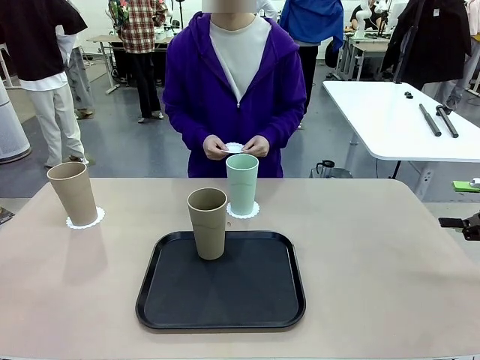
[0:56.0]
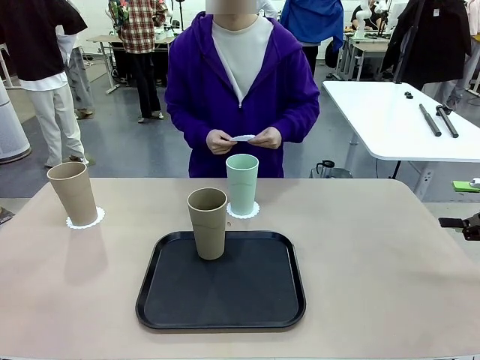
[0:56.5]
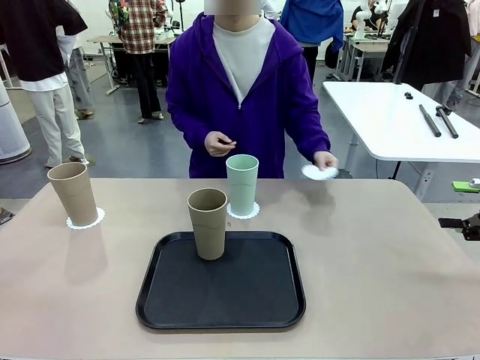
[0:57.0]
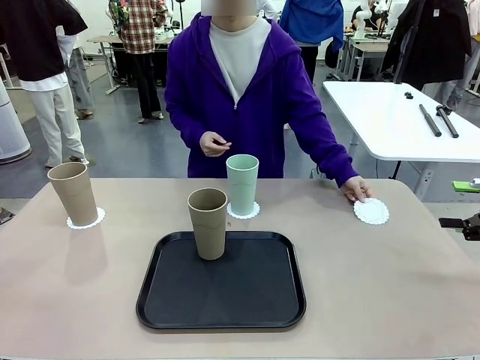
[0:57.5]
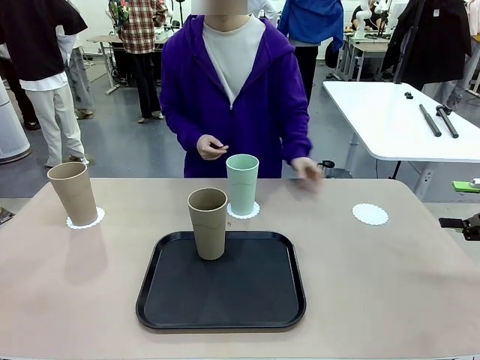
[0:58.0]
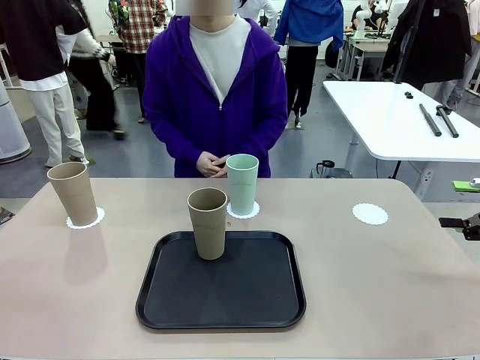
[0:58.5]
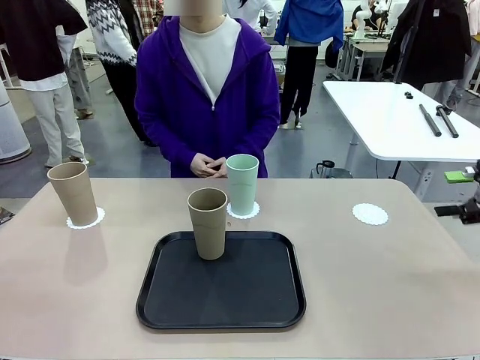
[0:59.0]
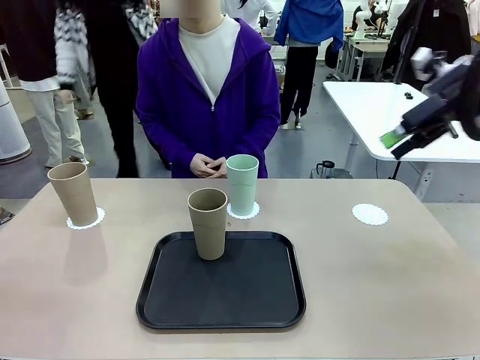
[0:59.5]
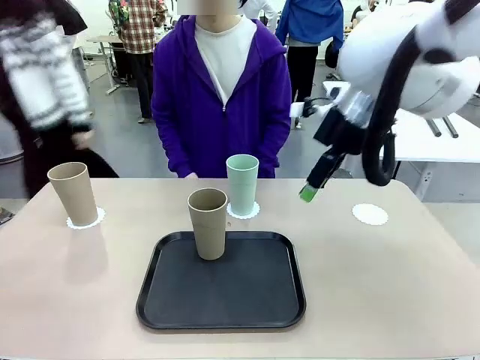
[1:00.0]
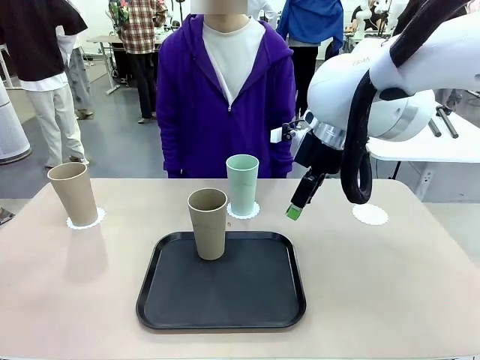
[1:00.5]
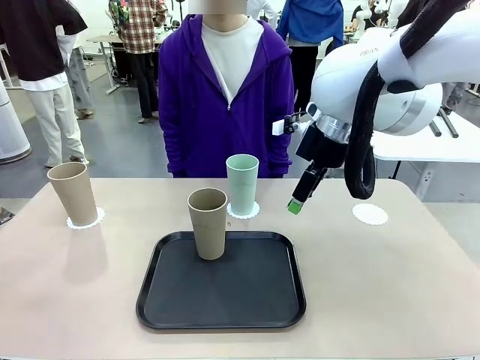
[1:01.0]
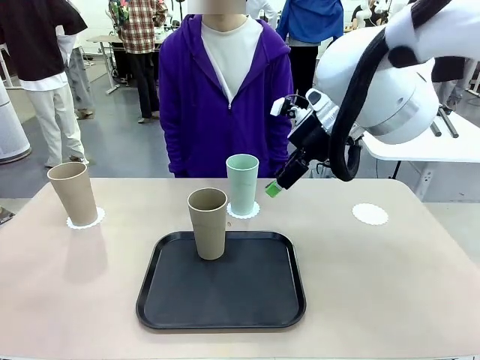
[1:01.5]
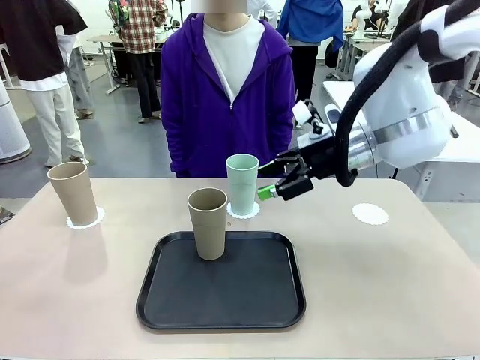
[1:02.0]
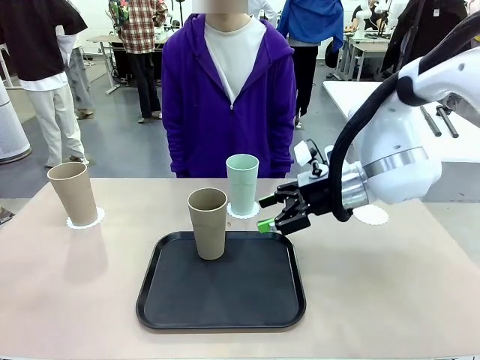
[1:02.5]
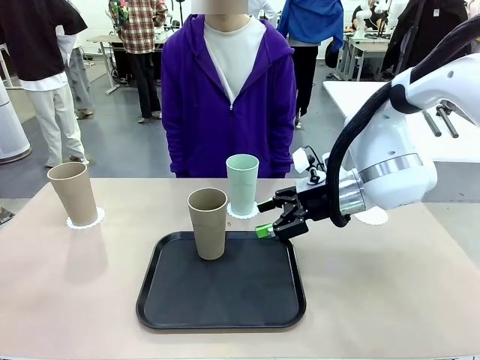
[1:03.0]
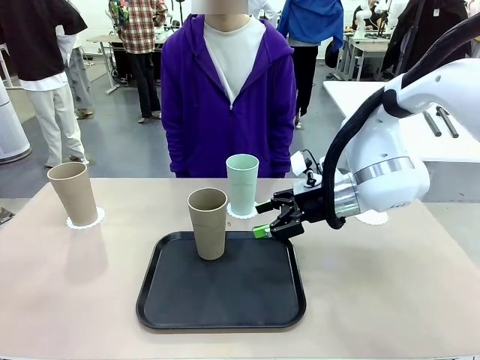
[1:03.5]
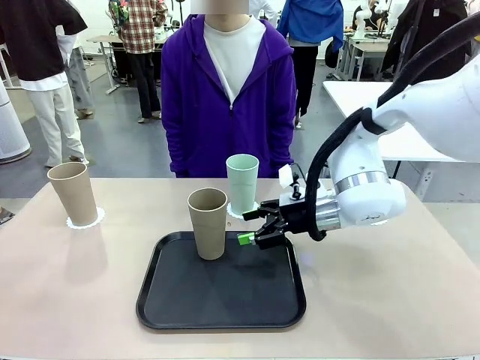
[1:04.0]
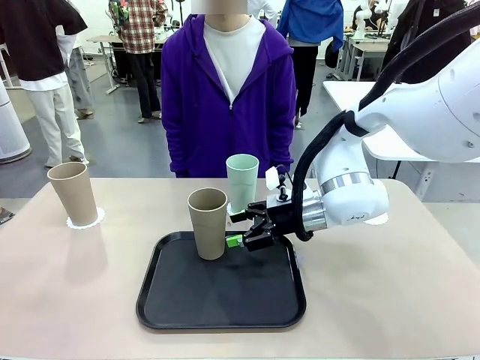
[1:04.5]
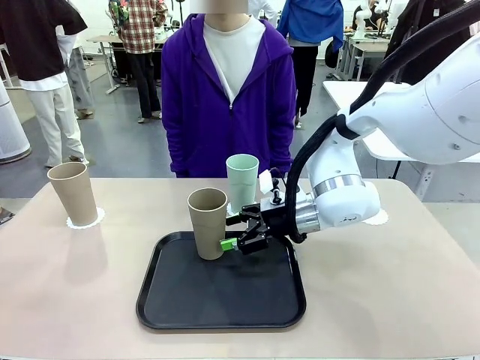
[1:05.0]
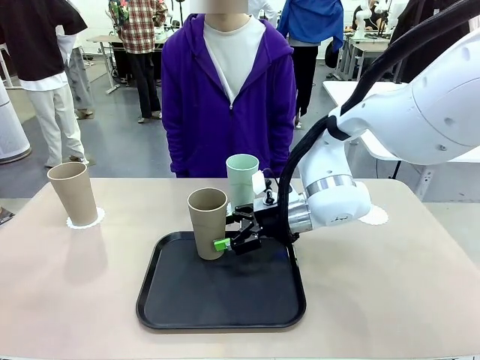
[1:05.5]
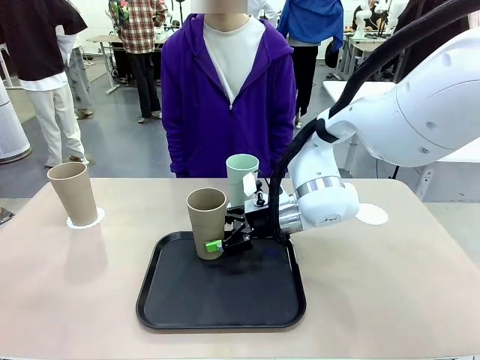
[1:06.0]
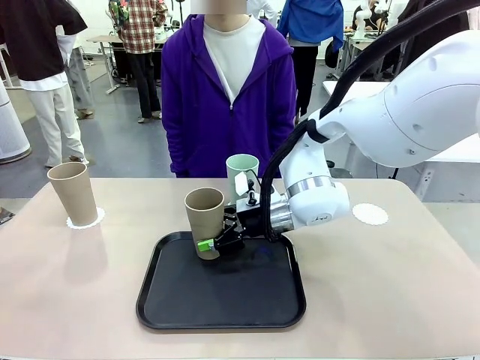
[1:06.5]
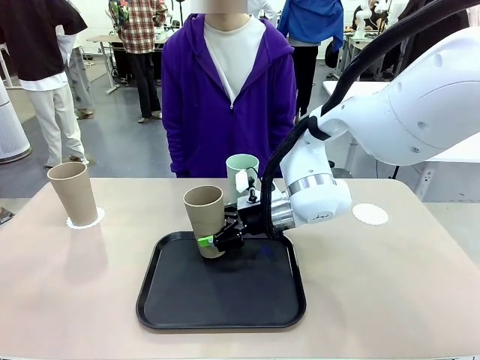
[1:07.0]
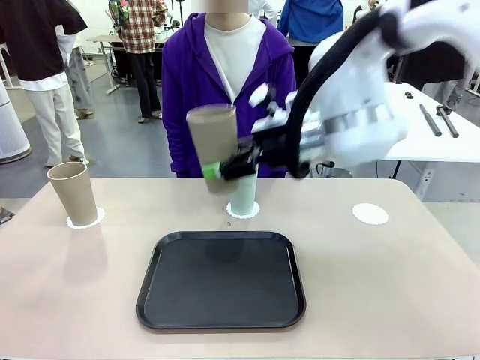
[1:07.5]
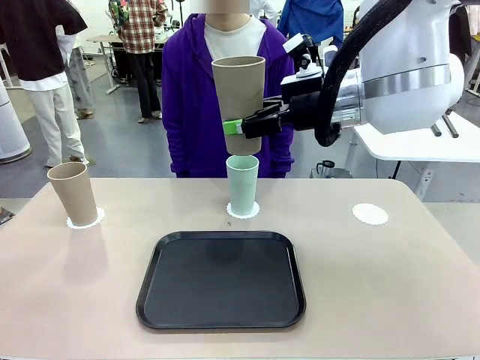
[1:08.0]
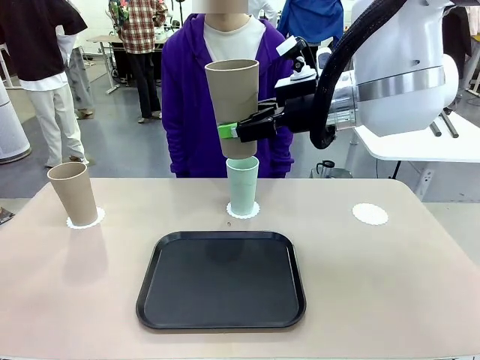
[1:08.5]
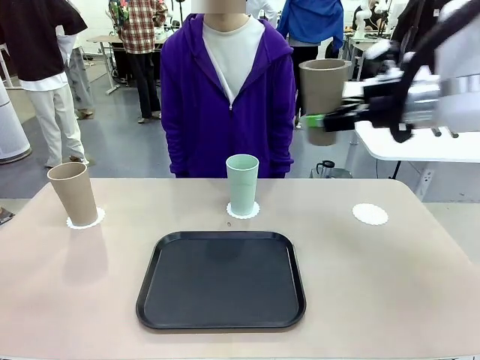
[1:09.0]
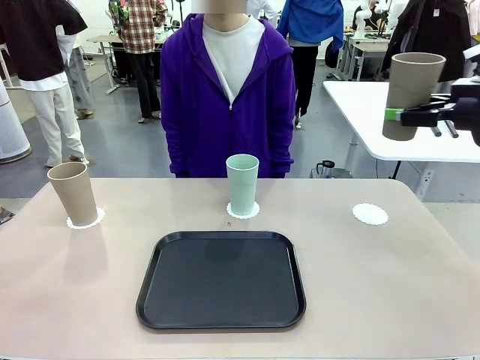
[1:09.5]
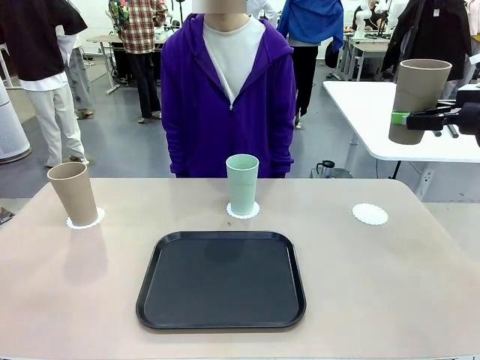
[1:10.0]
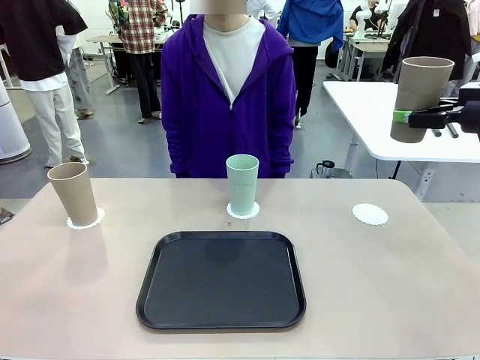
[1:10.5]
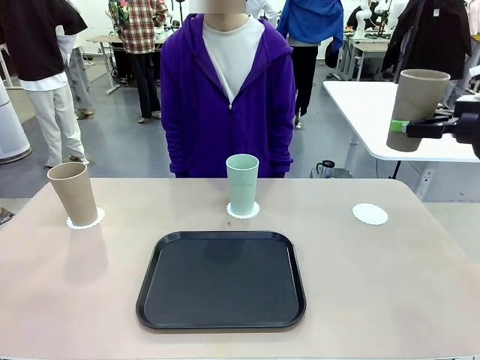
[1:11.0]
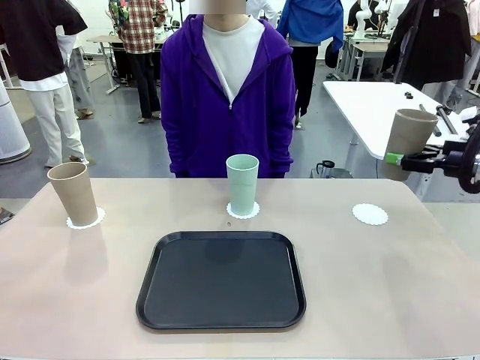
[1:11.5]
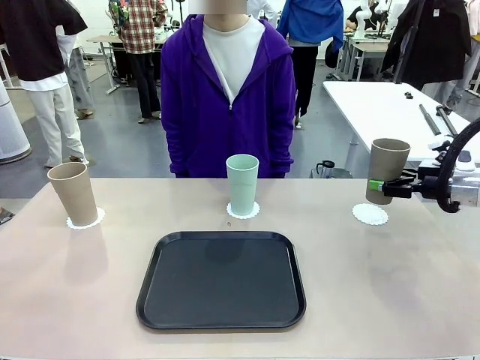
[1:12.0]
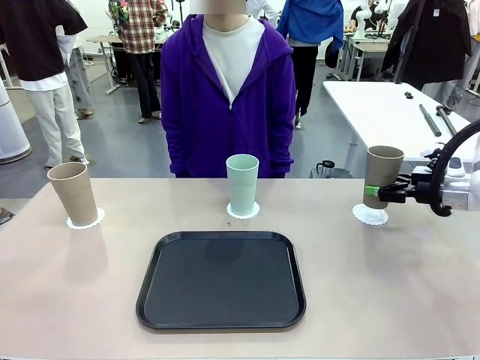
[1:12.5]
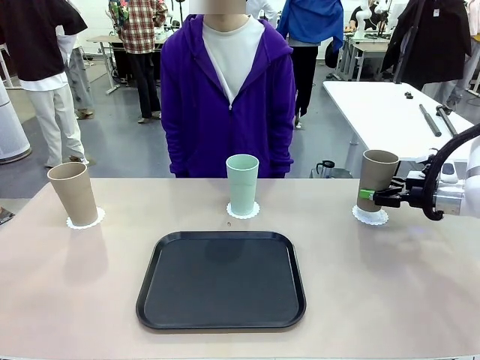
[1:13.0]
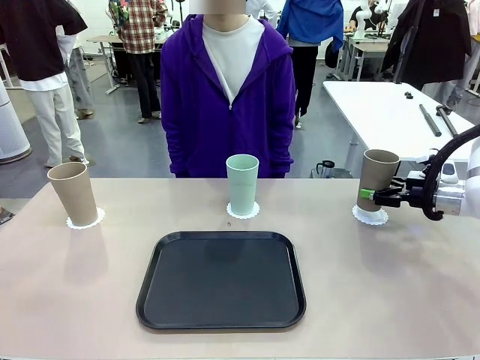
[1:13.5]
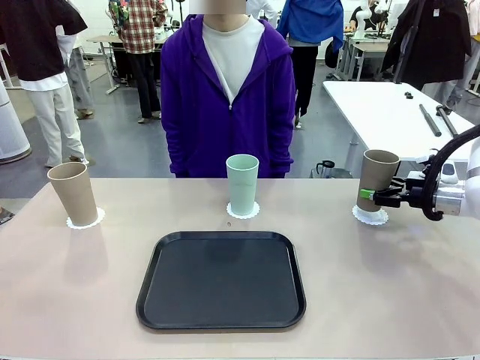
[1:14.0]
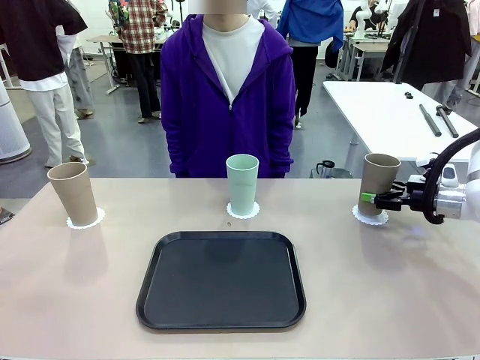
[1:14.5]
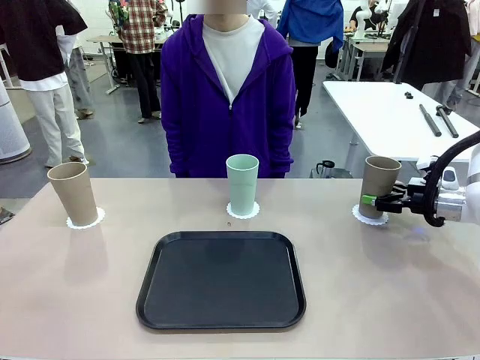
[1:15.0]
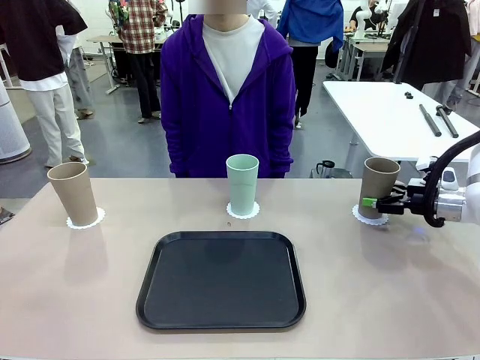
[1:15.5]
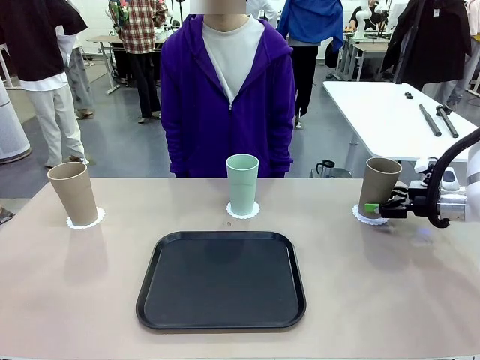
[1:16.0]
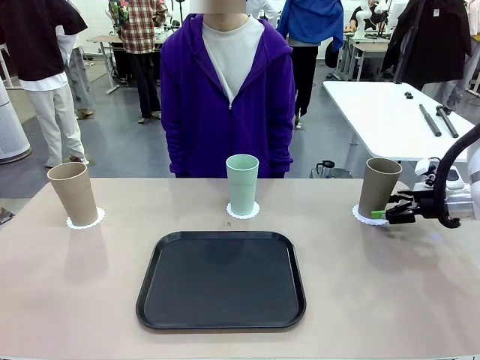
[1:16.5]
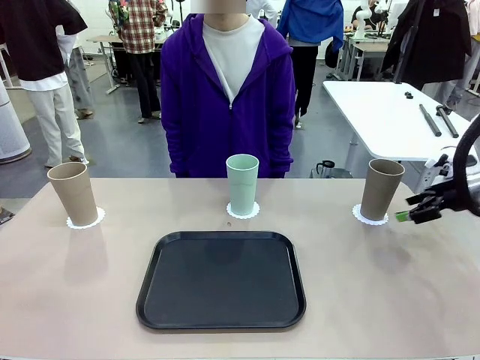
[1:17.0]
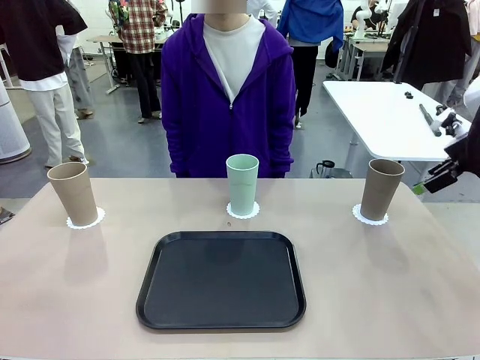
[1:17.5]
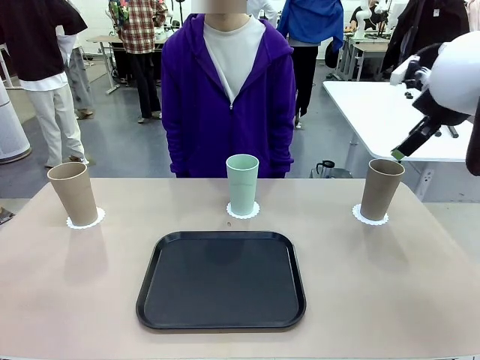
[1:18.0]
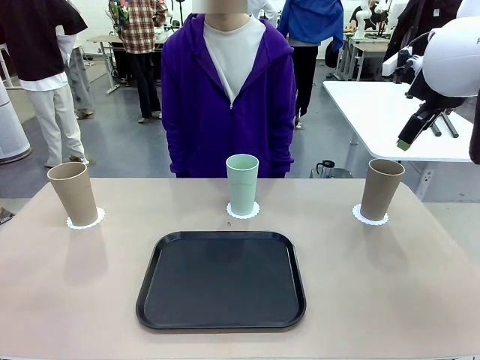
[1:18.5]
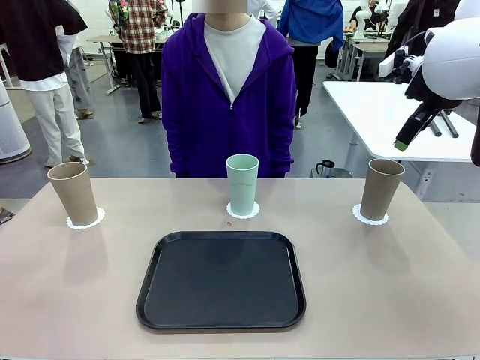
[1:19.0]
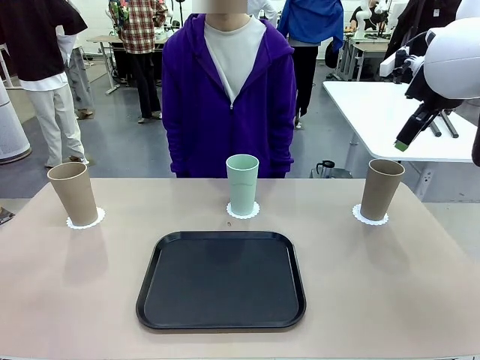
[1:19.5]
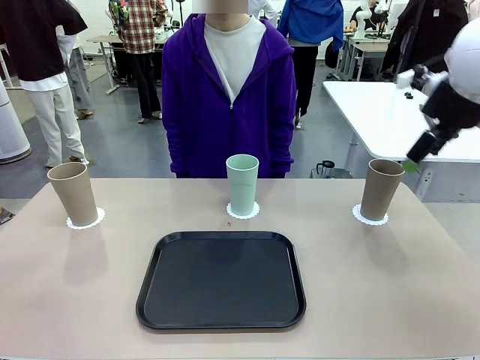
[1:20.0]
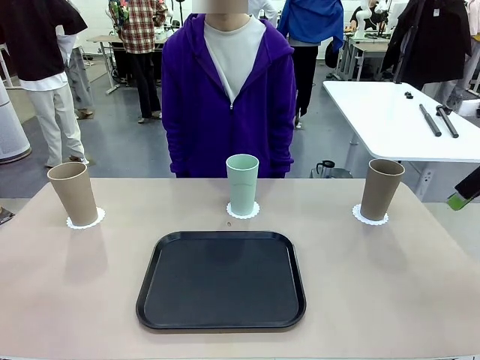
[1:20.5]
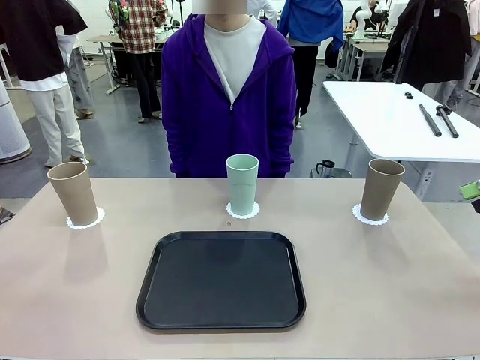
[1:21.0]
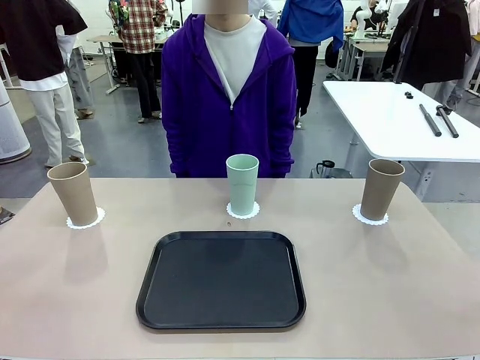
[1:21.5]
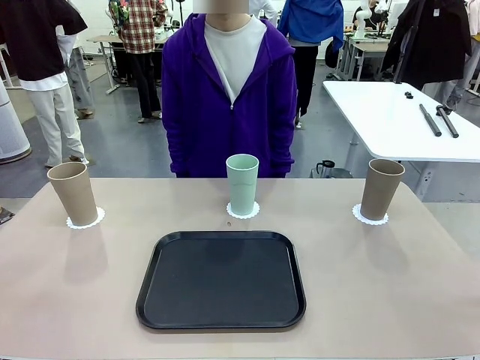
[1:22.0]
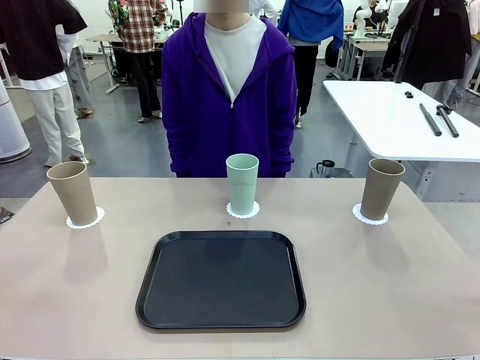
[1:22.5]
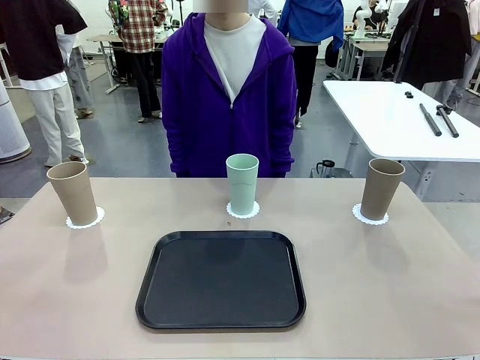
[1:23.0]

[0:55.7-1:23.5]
Task: Place coasters on the table and set cups on them.
Robot: Take one Reusable plastic cup from the Flat Tray and place it on a coaster set by the human.
Person: Place one coaster in the only remaining area.
